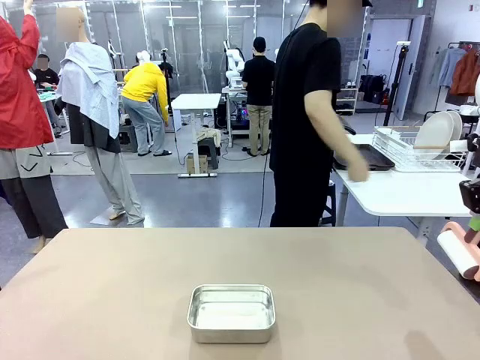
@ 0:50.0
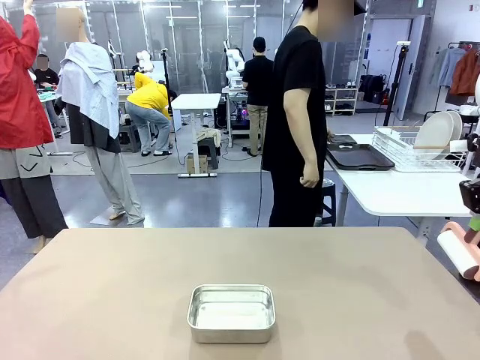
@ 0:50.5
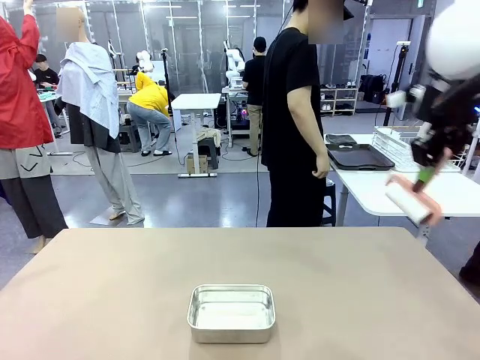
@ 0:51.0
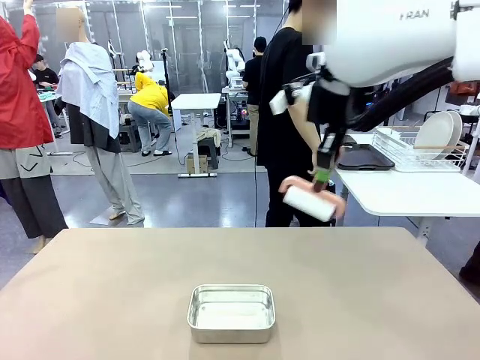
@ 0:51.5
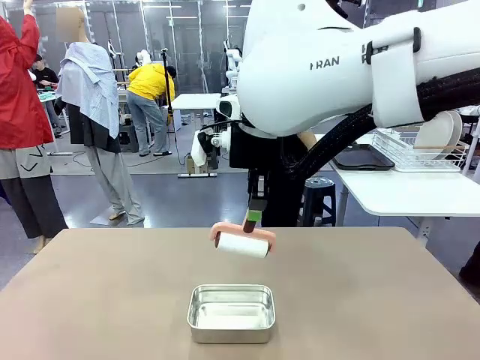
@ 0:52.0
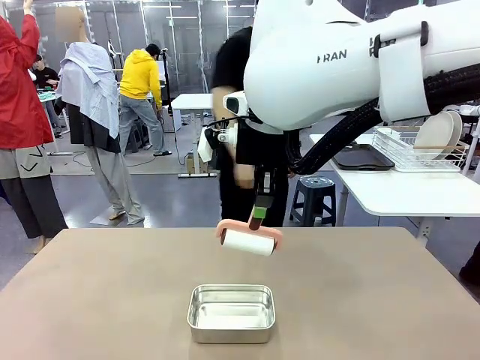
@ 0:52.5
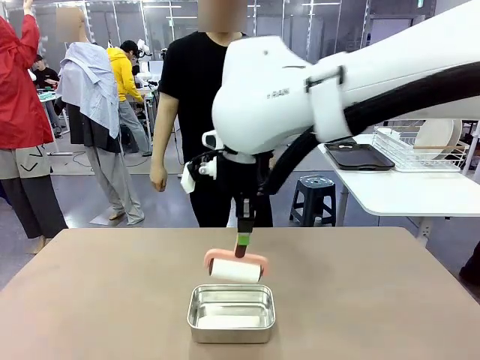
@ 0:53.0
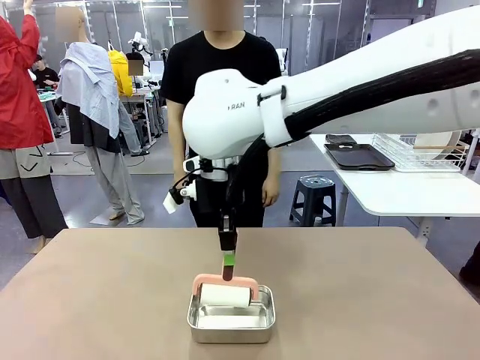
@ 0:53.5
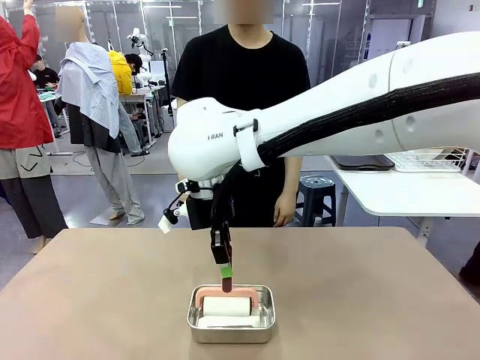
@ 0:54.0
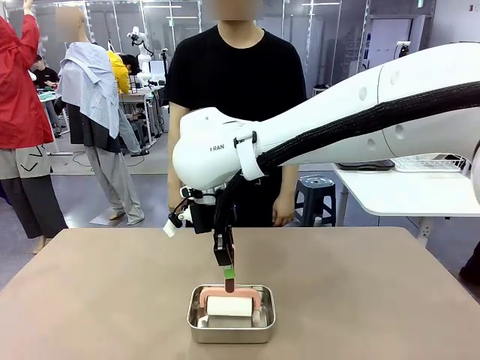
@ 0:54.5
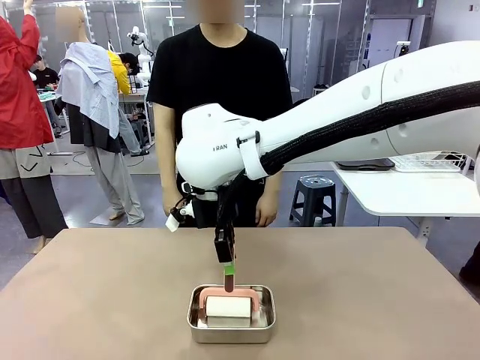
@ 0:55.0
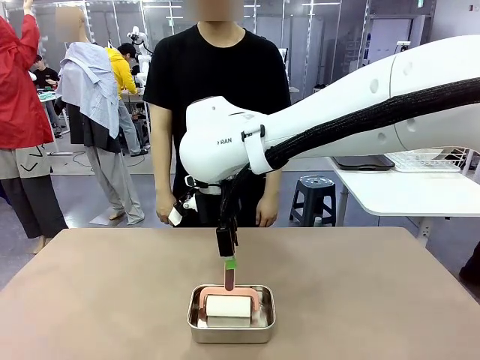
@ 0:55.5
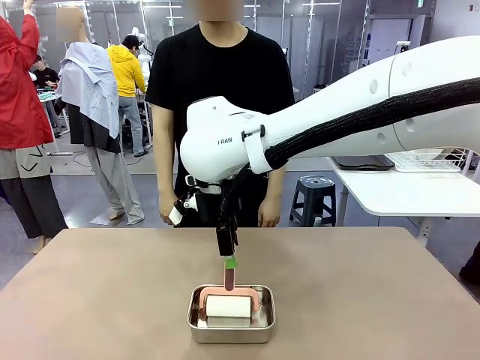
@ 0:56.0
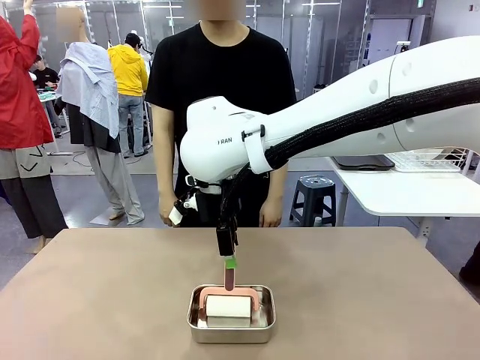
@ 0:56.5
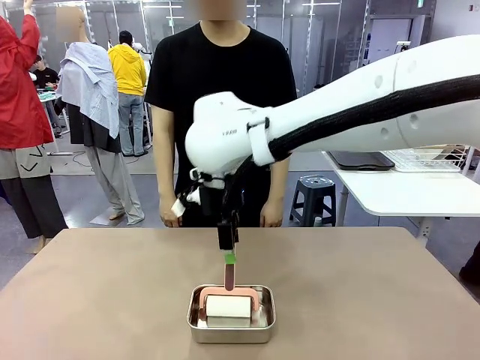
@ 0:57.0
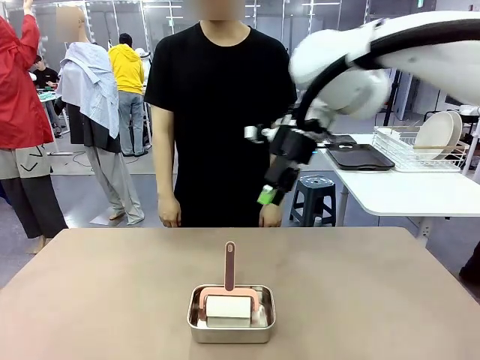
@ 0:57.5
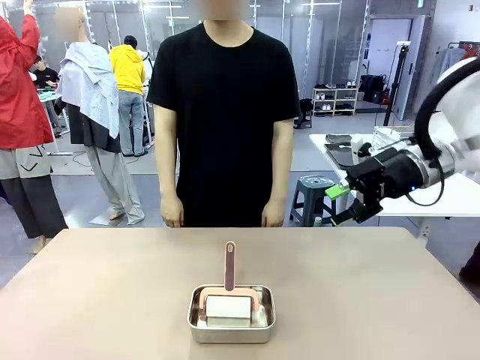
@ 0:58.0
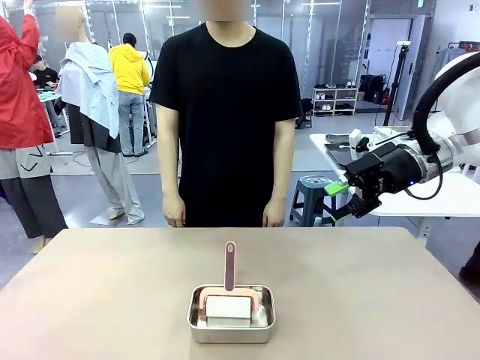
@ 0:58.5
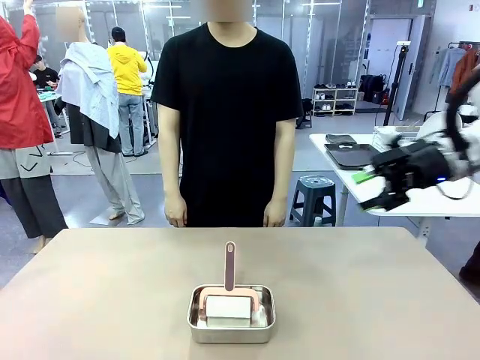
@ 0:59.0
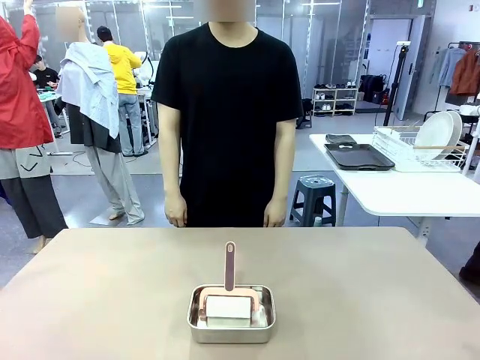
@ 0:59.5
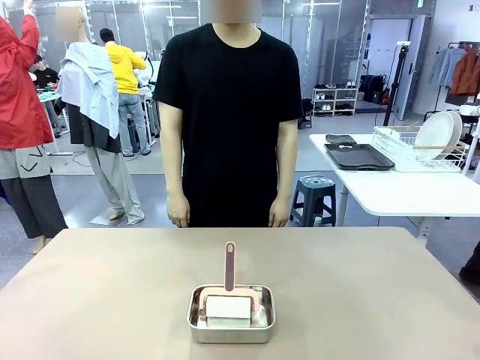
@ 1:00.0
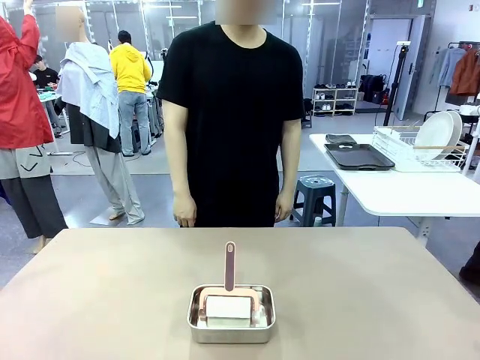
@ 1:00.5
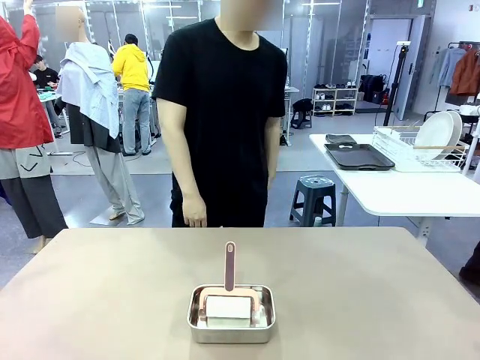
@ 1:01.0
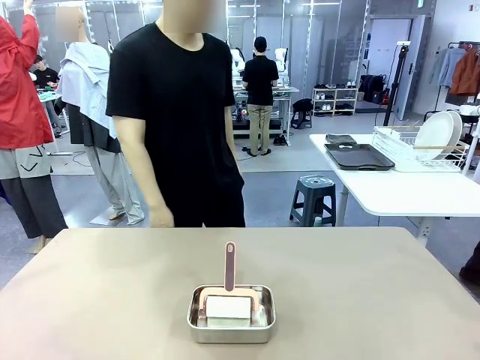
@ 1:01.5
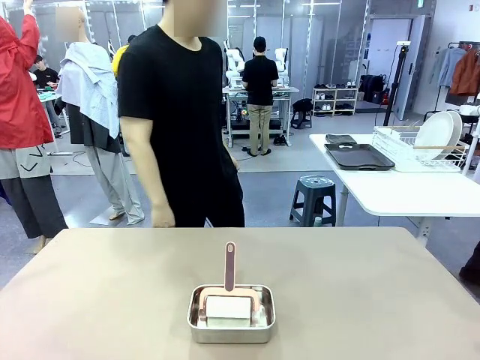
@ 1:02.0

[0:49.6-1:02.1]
Robot: Place the Lint Roller back on top of the Airtight Container.

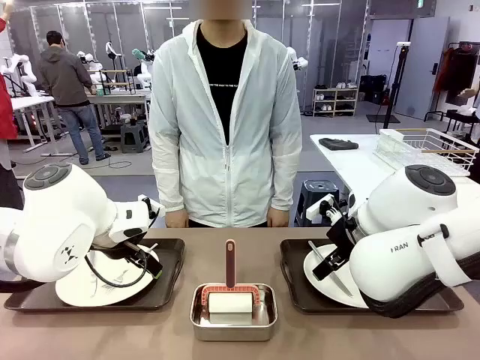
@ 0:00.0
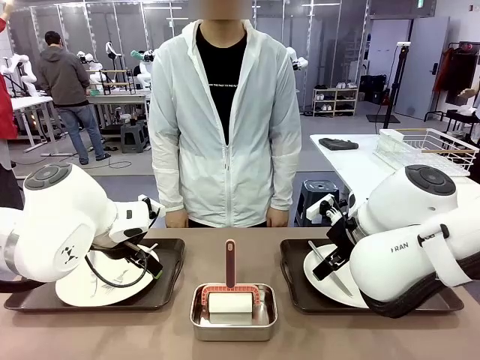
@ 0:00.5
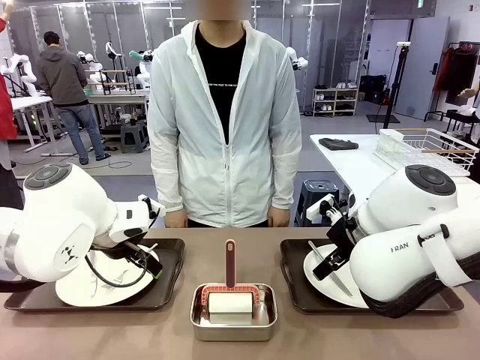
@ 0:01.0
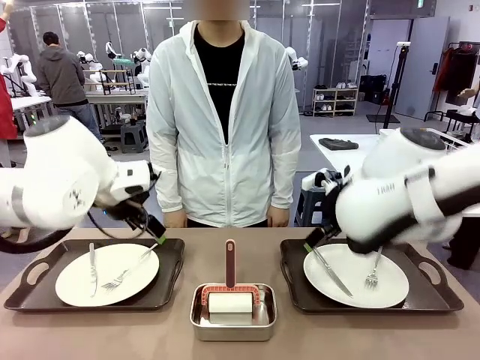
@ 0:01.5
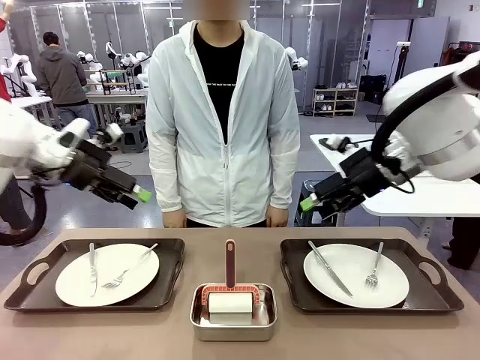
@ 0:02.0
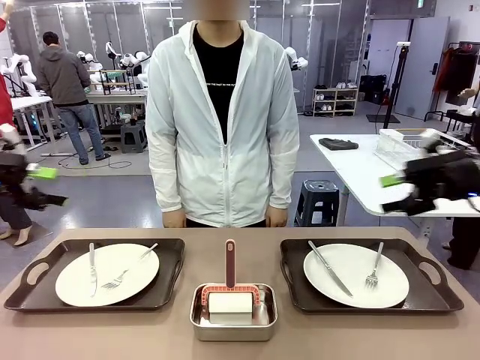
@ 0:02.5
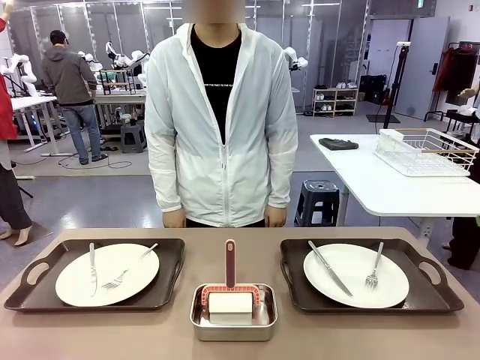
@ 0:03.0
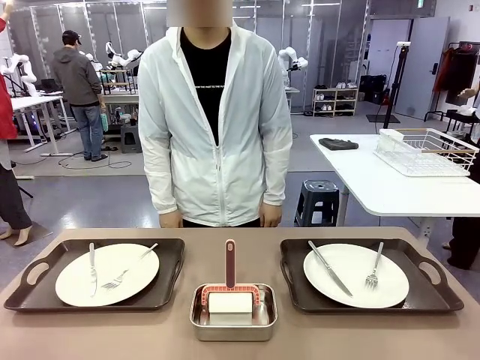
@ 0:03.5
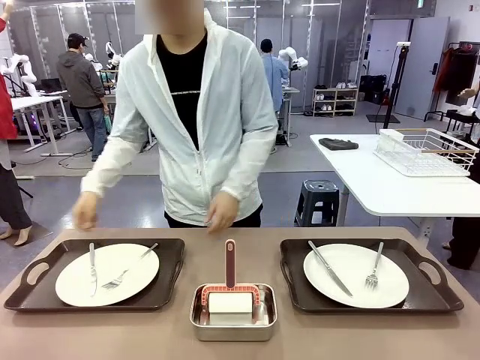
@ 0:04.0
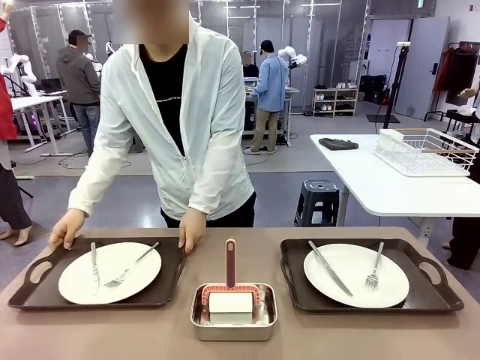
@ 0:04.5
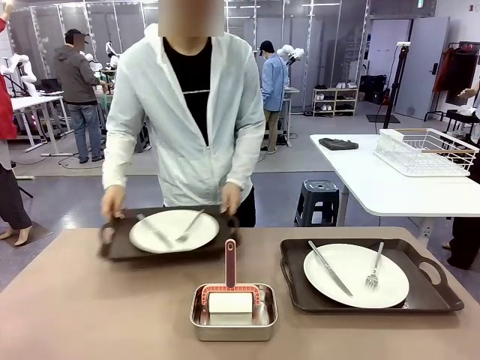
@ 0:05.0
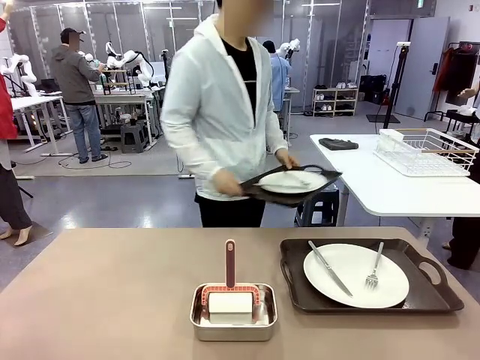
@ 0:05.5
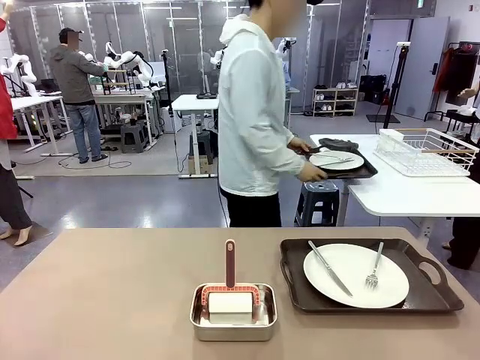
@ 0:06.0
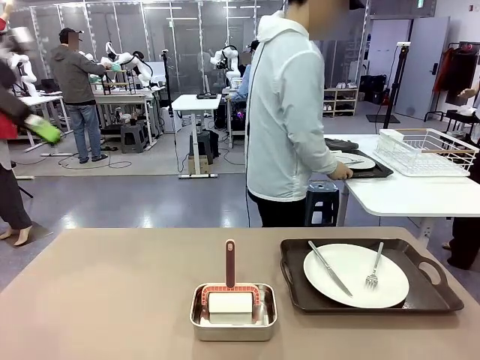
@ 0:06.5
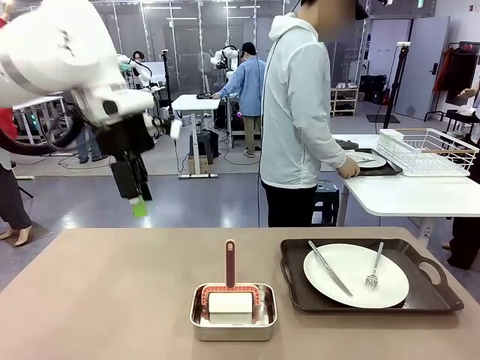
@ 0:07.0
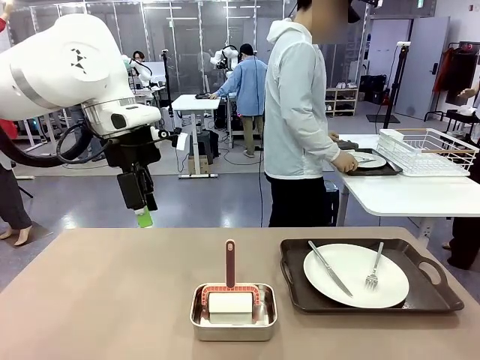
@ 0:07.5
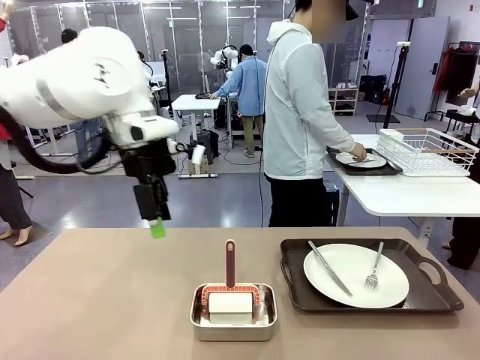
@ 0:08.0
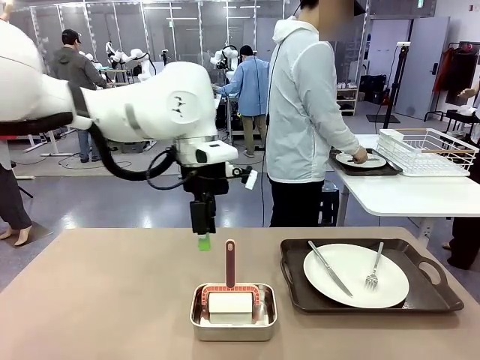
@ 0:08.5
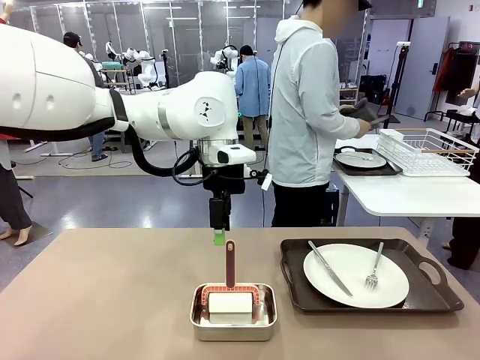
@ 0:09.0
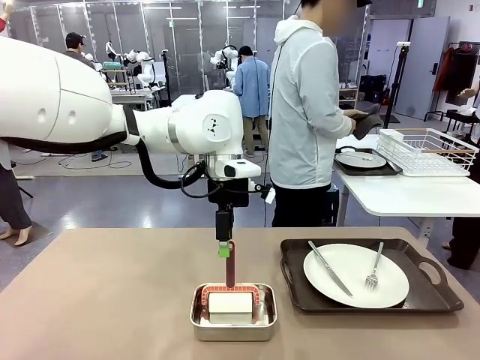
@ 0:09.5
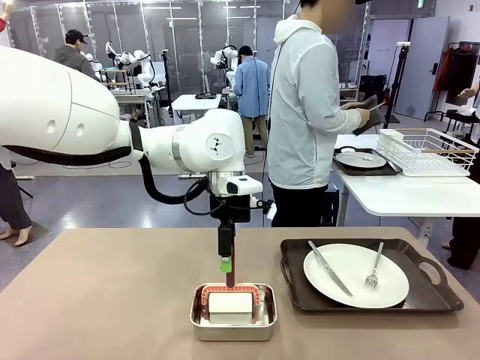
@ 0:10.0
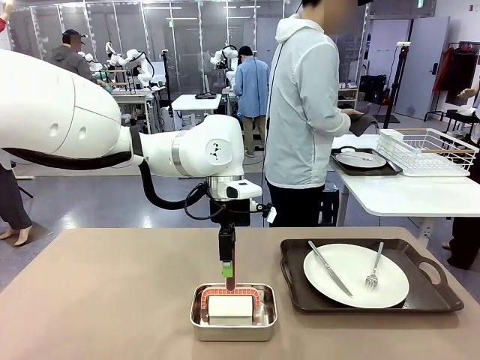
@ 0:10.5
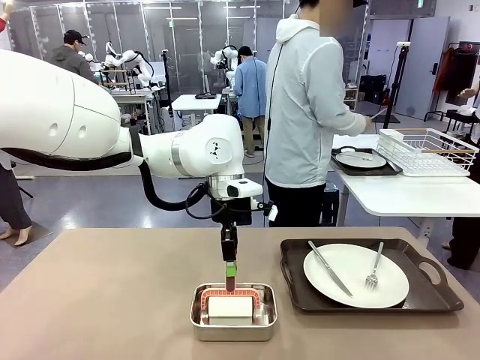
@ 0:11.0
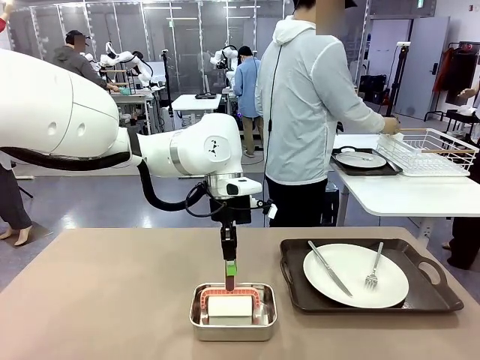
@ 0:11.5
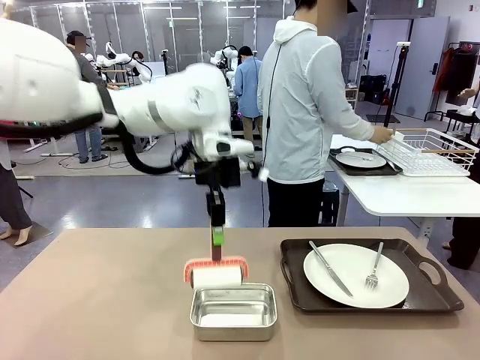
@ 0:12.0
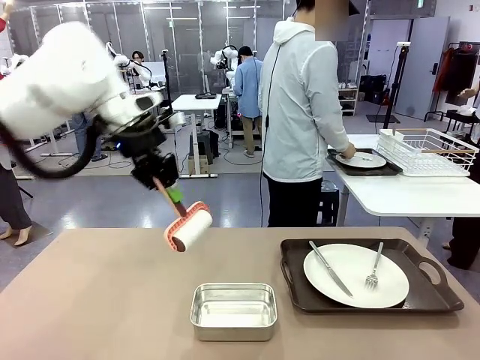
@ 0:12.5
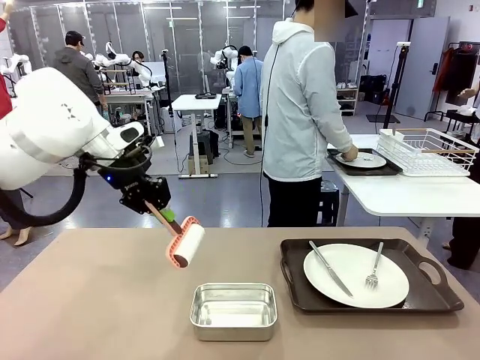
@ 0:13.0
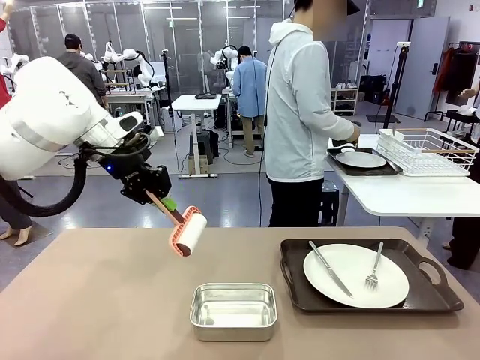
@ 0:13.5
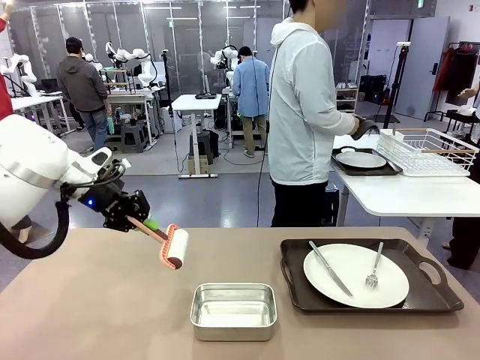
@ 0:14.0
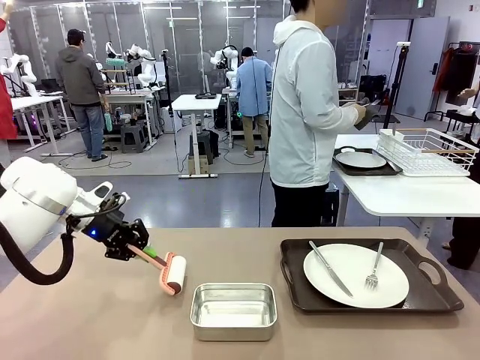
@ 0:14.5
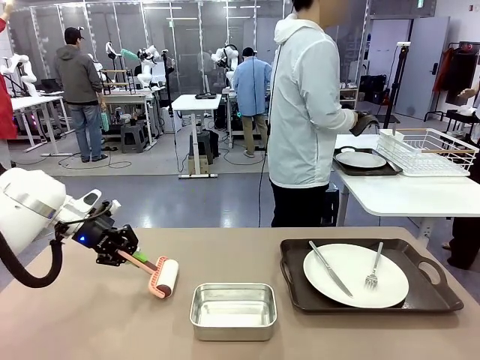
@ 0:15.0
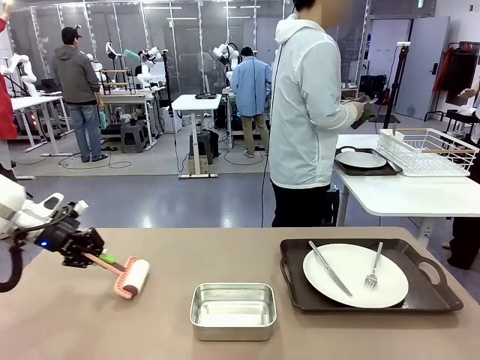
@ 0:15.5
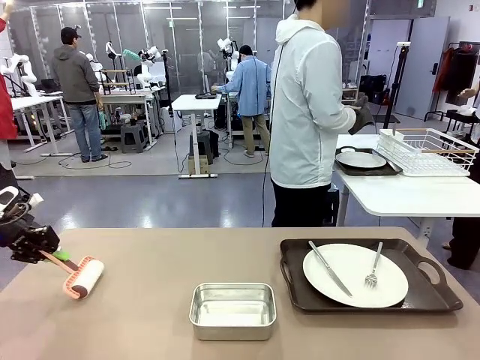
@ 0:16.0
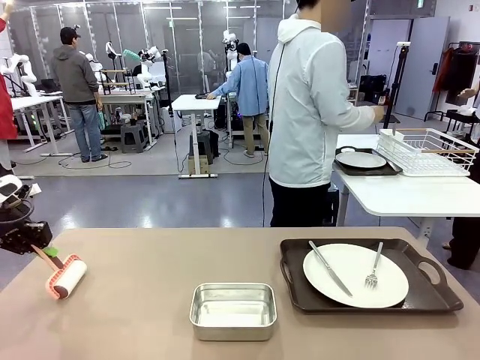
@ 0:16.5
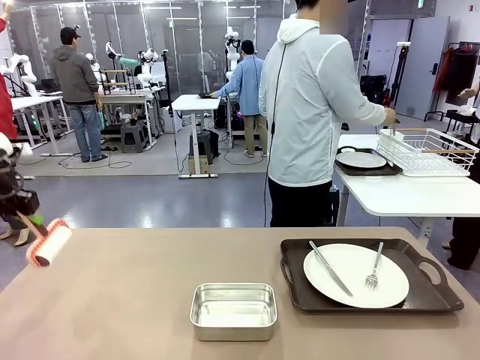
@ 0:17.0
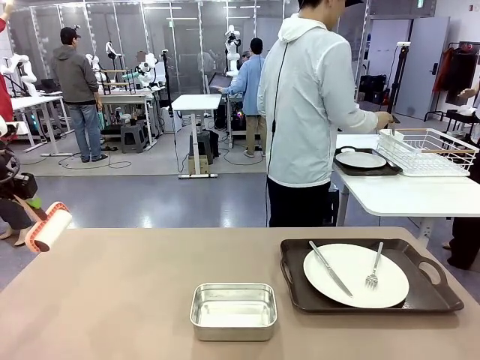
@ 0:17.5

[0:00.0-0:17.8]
Robot: When the left (or right) Handle tray is removed, use the left hand (or right hand) to clean the left (or right) side of the table with the Lint Roller.
Person: Pick up the left (or right) Handle tray and place it on the middle of the Human's table. Use the Towel with hook to wipe the Plastic Matte Plate , Fork , and Knife and place into the Dish drying rack.
